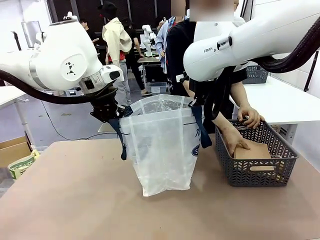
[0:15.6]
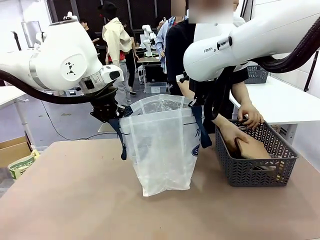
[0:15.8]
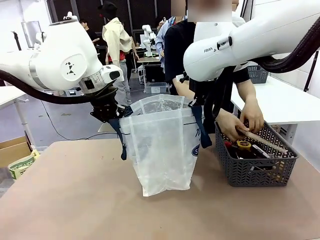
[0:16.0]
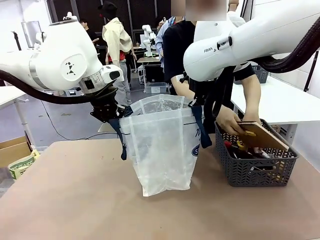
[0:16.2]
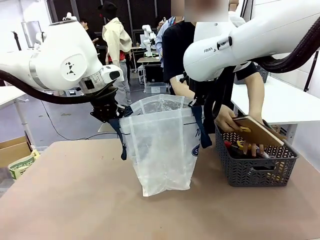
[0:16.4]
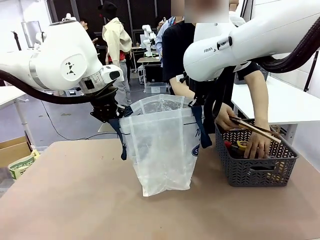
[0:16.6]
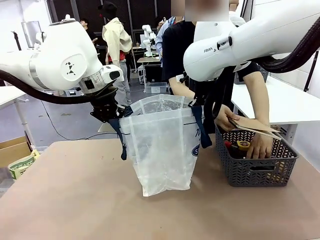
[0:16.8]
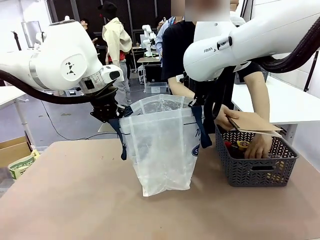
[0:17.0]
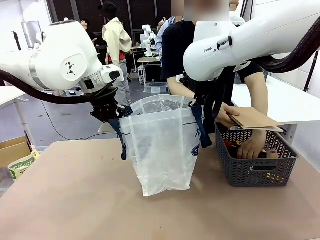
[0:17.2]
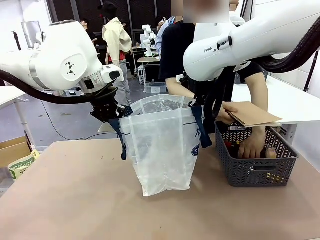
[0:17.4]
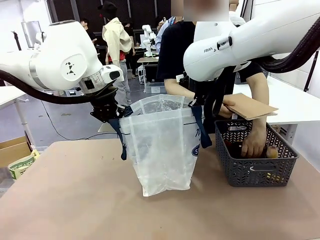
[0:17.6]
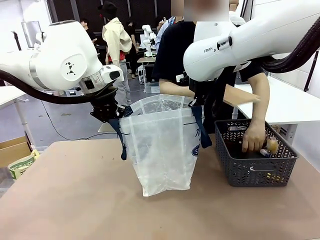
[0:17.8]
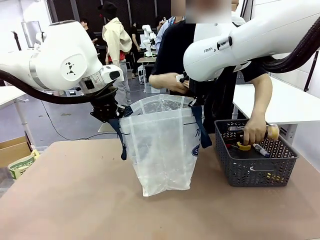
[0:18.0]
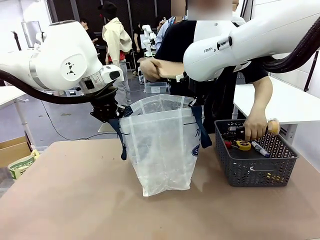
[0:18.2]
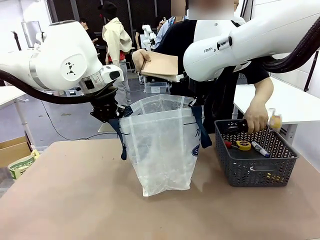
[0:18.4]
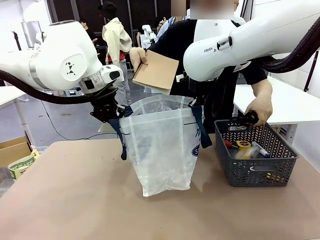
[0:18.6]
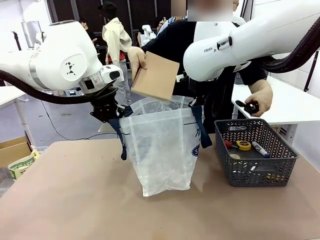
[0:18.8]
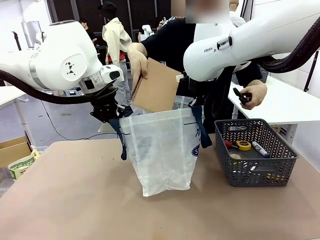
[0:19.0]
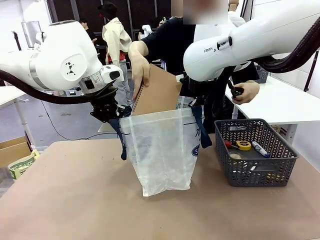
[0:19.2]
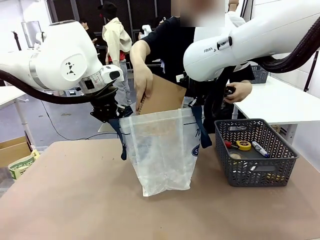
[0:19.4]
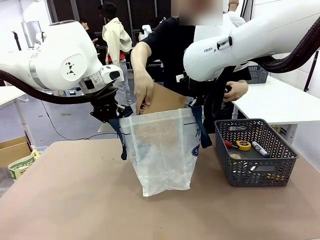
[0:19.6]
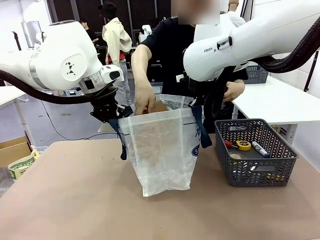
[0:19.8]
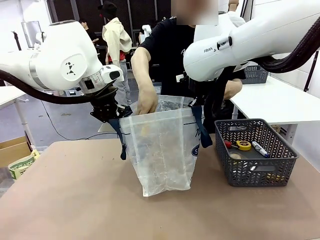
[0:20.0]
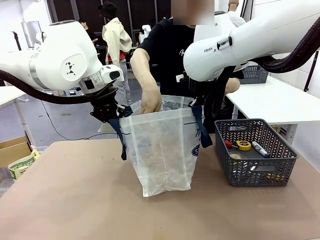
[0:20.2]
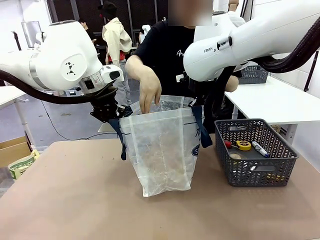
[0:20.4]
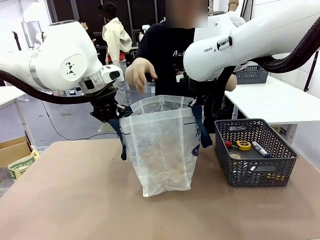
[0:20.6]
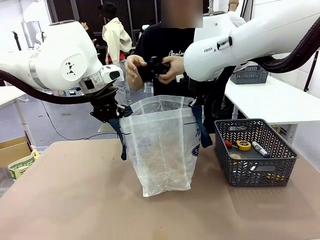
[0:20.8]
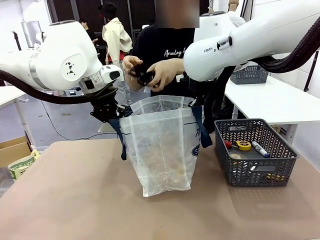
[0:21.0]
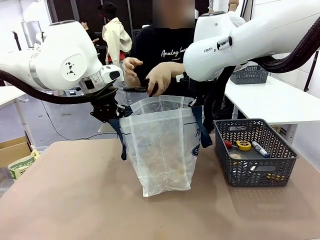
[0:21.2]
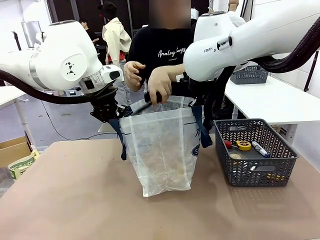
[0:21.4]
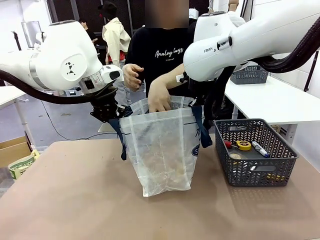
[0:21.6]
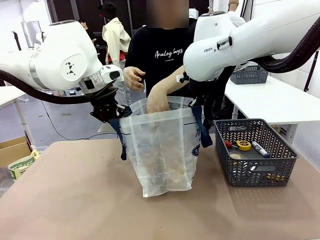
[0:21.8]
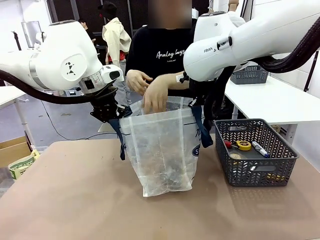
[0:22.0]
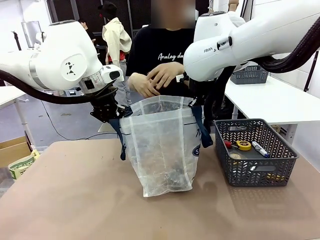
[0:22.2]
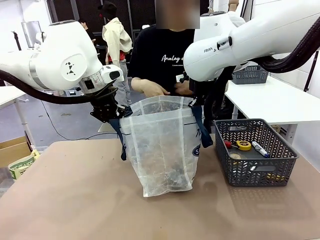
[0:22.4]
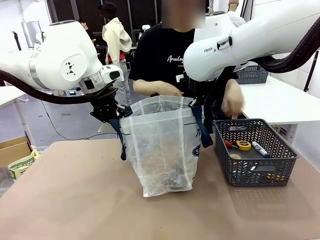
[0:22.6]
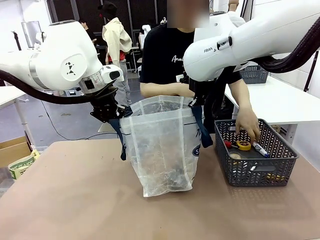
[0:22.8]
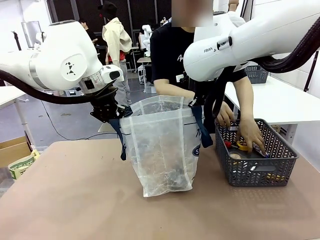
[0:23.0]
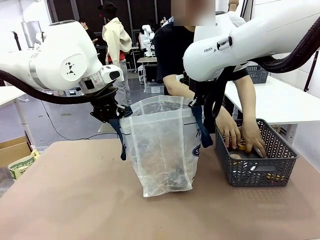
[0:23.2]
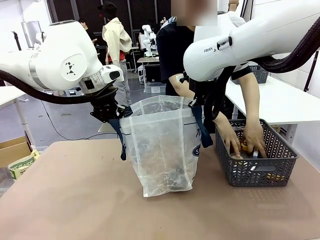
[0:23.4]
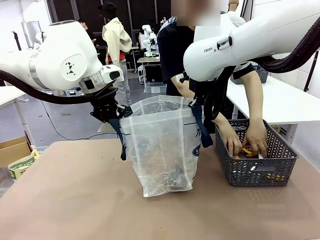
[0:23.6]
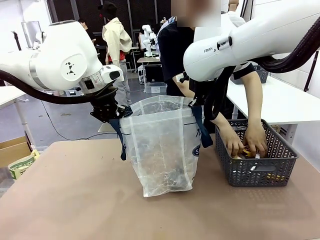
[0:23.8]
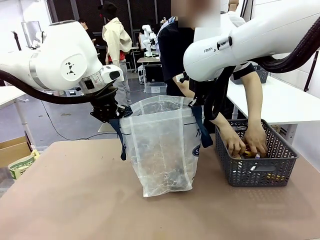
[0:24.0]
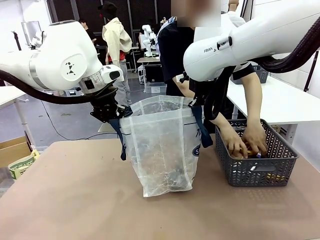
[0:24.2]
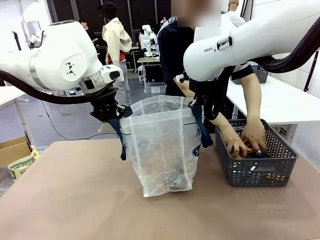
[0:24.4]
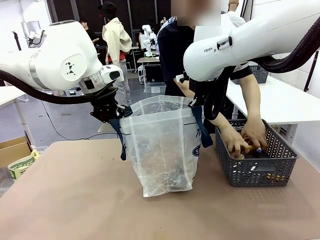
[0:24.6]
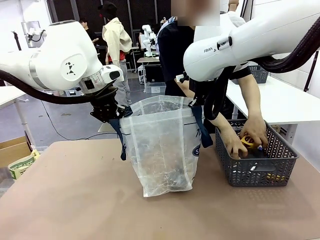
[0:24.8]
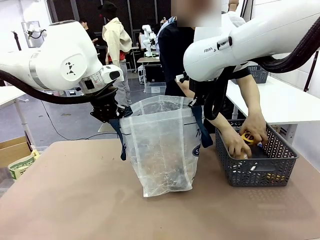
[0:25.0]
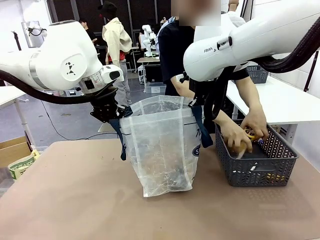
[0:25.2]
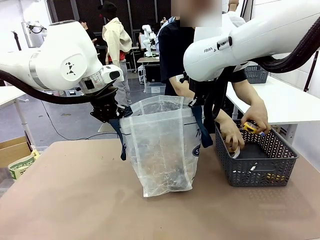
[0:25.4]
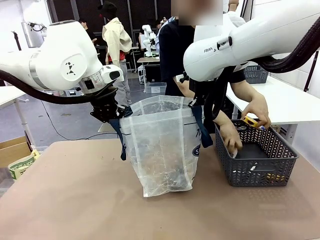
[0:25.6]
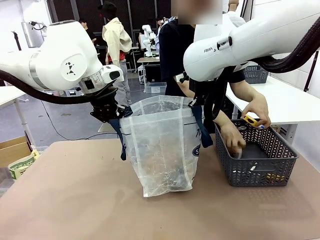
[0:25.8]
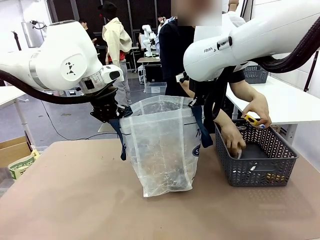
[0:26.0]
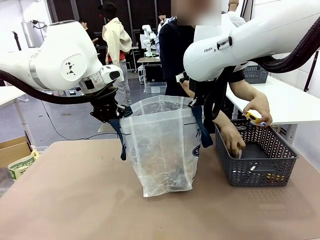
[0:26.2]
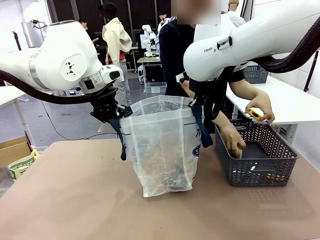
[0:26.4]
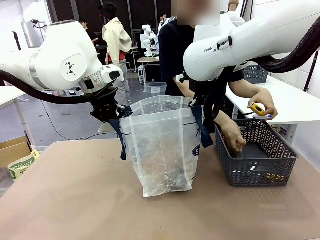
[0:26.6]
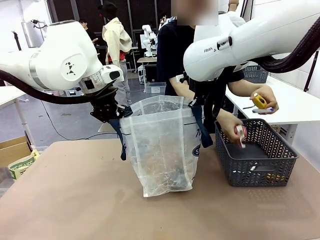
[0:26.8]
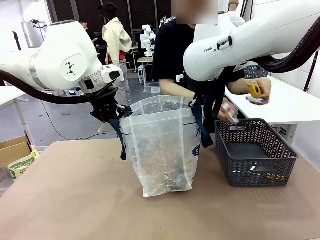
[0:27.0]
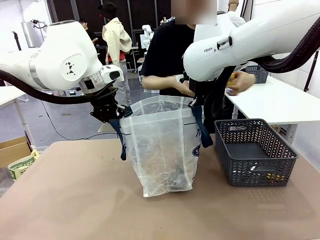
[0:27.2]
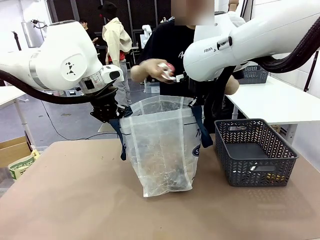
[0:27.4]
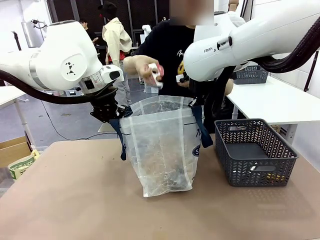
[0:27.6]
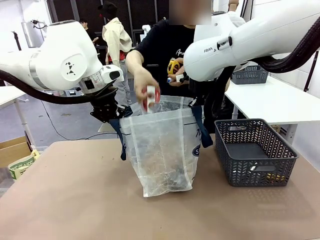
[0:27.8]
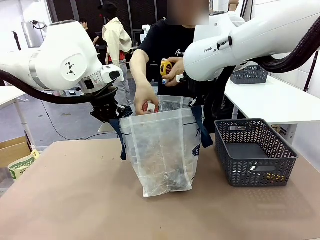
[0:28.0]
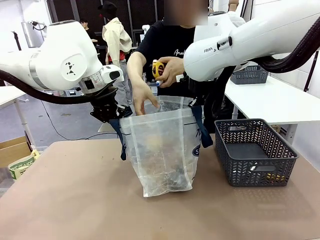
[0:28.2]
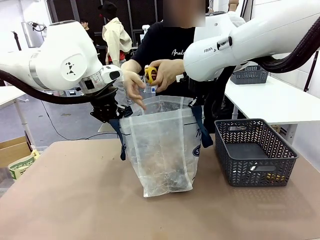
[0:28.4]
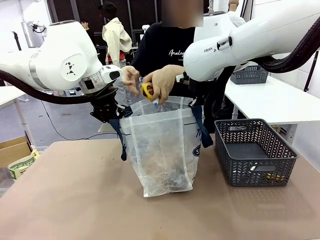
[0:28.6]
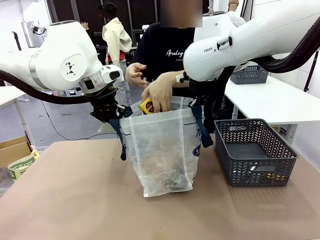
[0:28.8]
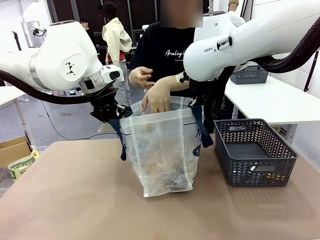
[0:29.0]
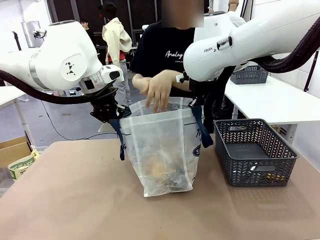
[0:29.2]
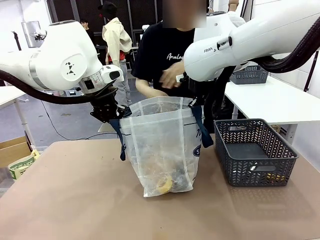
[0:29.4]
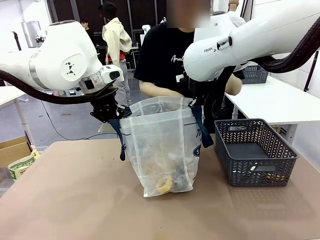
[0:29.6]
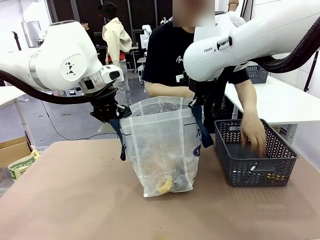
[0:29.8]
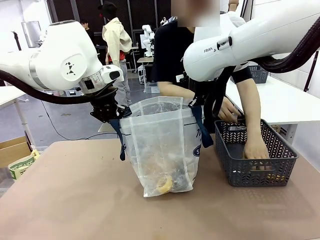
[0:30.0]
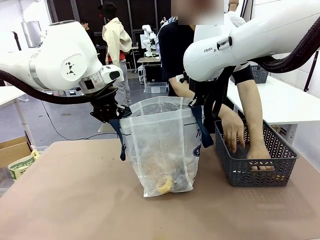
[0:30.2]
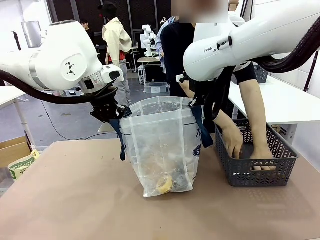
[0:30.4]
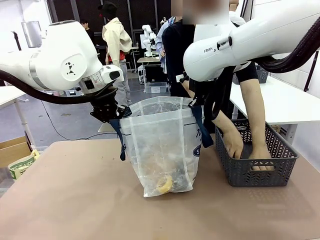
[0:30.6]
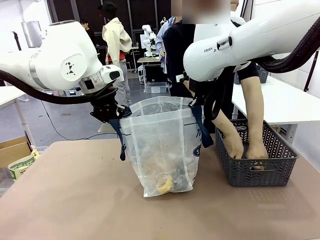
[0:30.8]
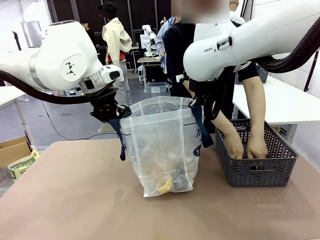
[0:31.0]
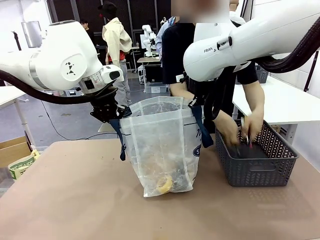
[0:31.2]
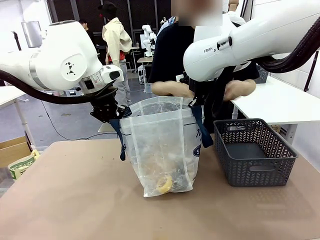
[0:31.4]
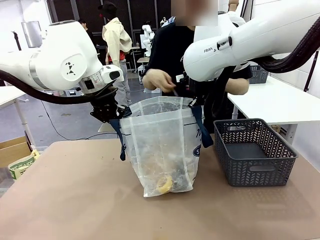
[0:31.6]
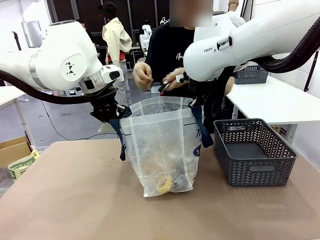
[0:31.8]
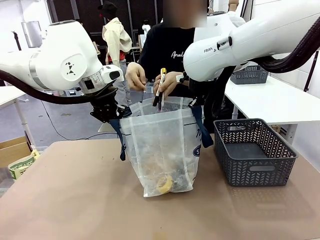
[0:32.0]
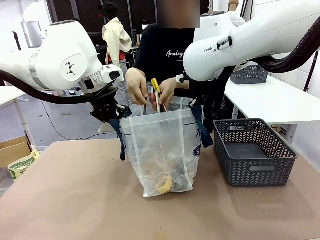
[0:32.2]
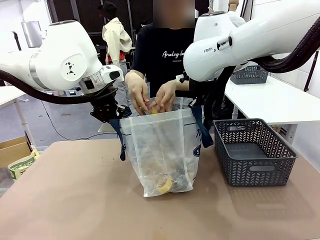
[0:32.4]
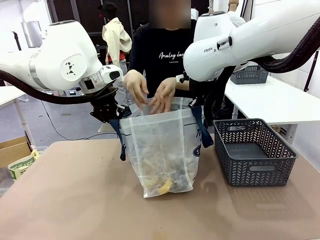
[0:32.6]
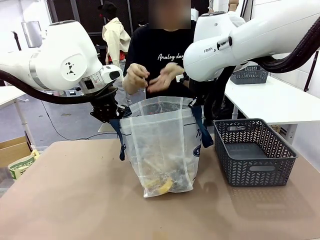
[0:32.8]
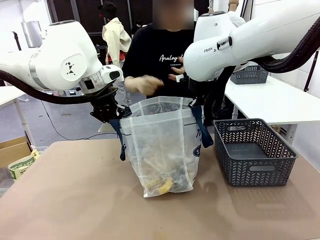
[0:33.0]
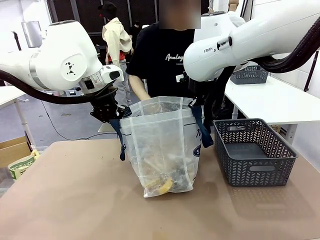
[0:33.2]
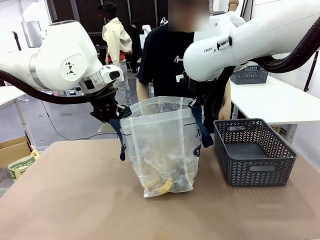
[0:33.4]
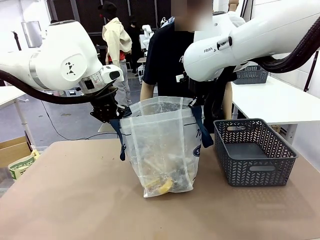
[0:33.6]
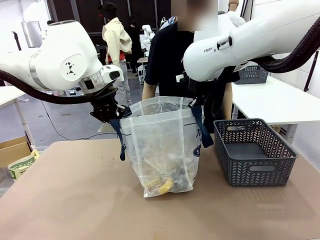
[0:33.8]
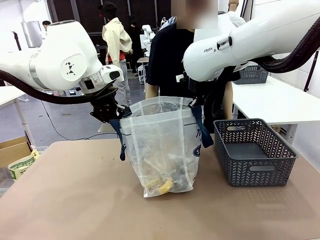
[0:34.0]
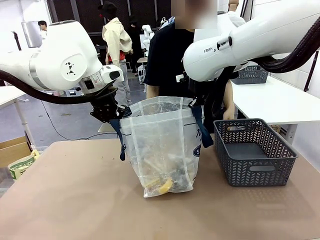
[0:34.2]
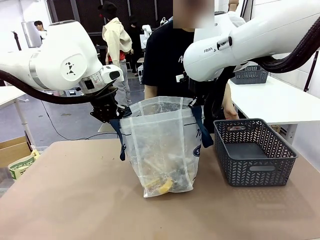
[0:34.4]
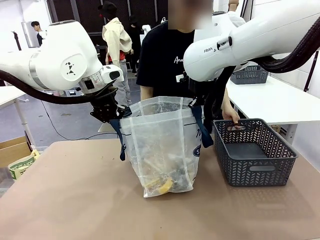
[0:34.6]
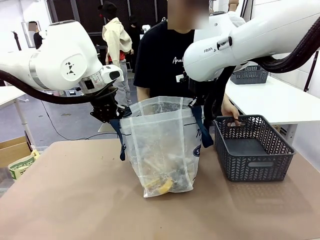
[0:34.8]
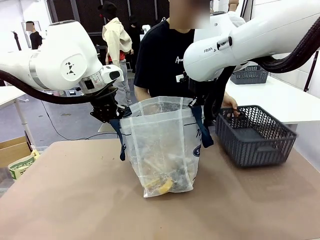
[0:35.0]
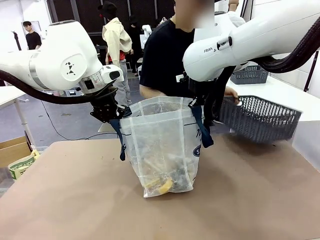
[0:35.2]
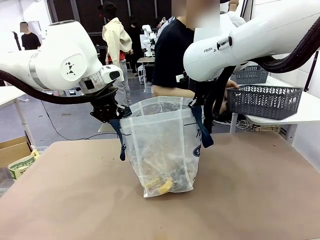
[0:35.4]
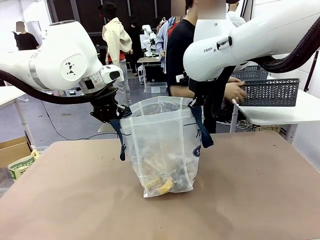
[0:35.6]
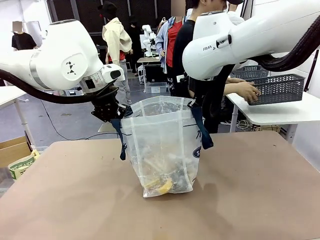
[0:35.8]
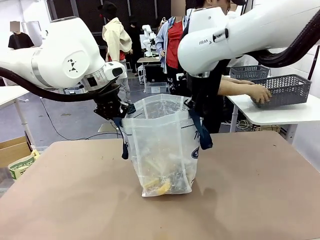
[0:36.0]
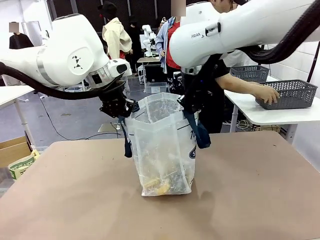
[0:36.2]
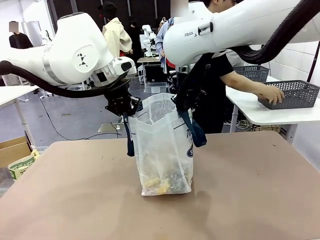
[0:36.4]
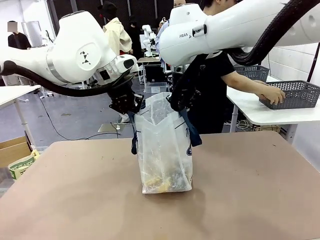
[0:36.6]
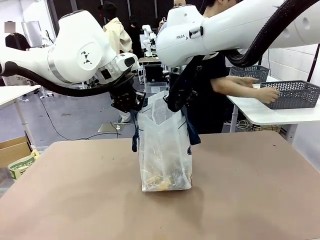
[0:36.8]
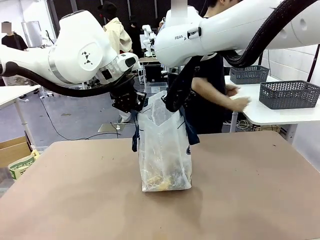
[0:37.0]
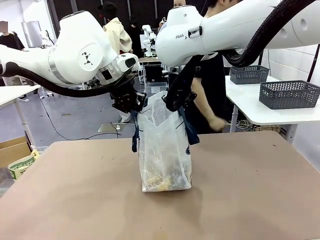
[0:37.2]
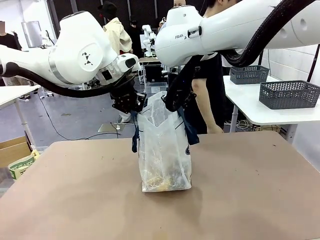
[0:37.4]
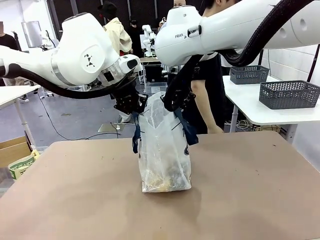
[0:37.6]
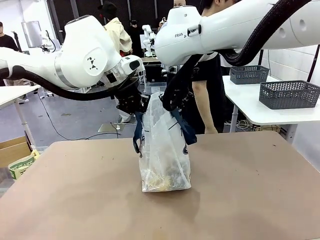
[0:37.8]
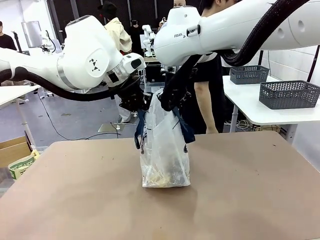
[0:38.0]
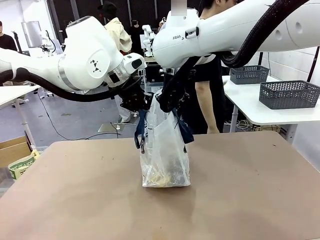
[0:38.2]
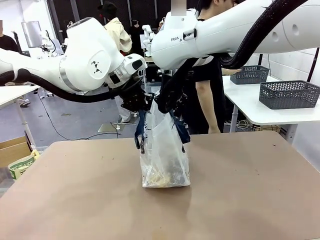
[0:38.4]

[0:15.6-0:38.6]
Task: Transfer purchased items from the store into the shopping bag.
Robot: Move the Reusable shopping bag to the right side of the table.
Person: Pick up the basket on the right, place it on the left side of the robot table, and move the items in the basket to the shopping bag. Pick up the basket with the items out and place it on the right side of the human table.
